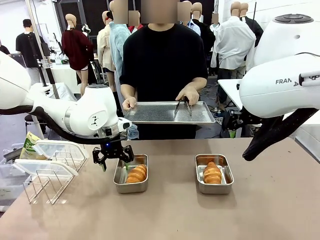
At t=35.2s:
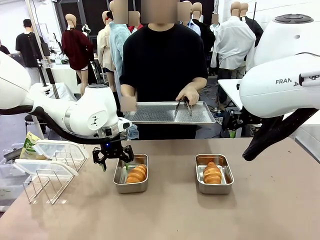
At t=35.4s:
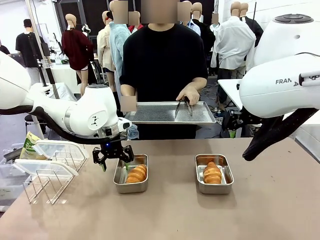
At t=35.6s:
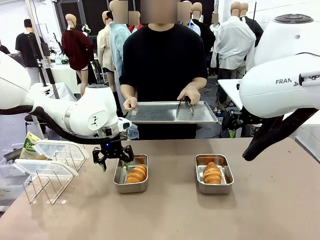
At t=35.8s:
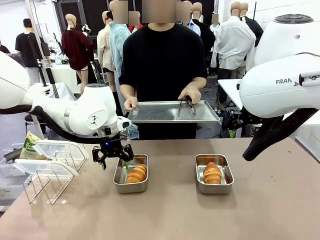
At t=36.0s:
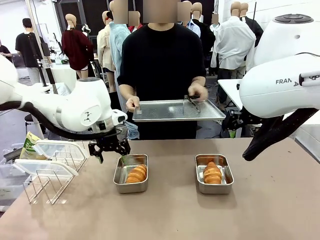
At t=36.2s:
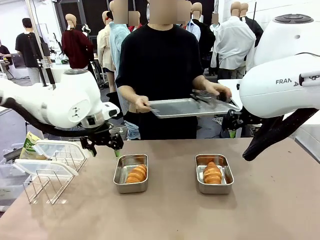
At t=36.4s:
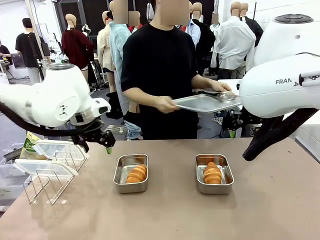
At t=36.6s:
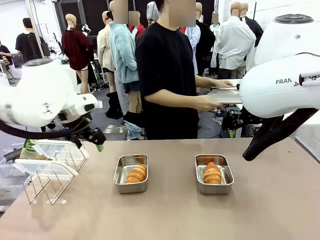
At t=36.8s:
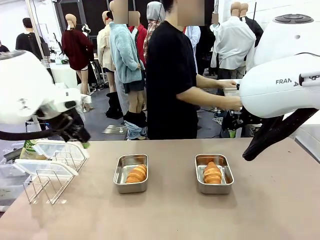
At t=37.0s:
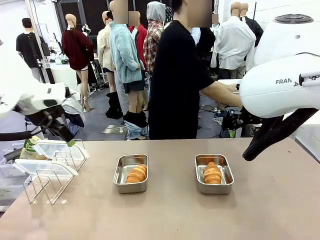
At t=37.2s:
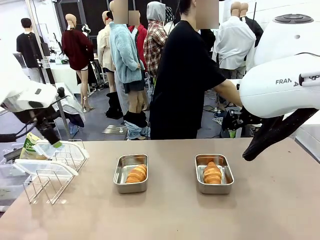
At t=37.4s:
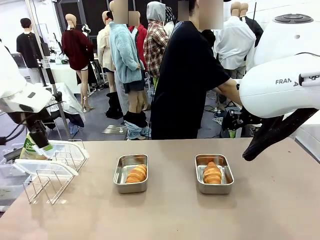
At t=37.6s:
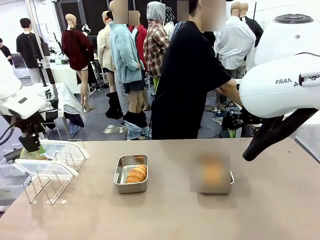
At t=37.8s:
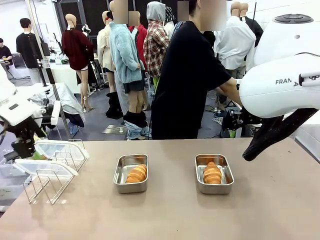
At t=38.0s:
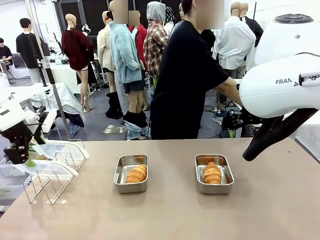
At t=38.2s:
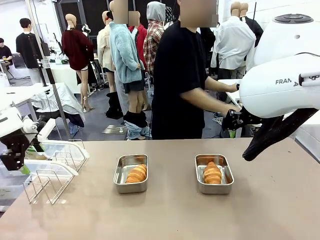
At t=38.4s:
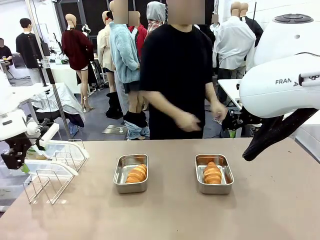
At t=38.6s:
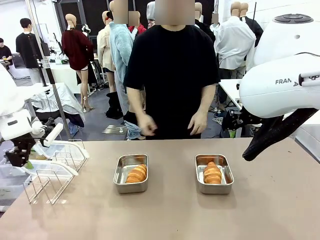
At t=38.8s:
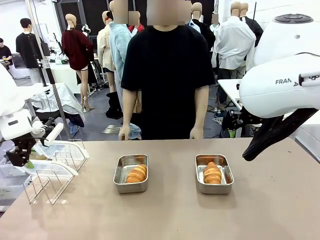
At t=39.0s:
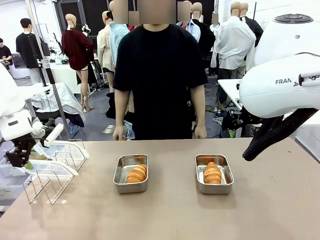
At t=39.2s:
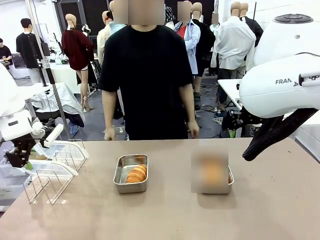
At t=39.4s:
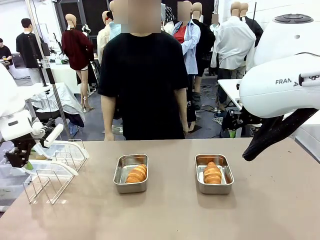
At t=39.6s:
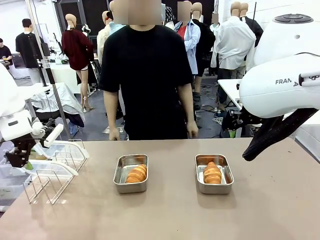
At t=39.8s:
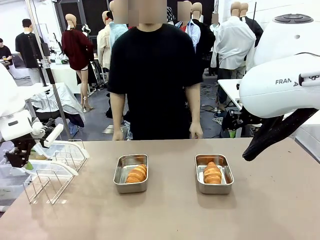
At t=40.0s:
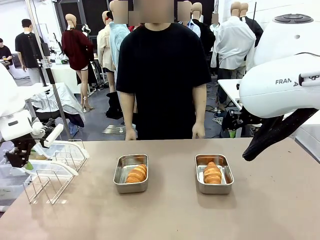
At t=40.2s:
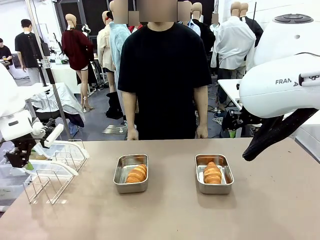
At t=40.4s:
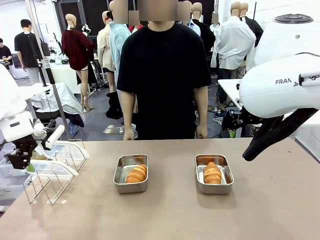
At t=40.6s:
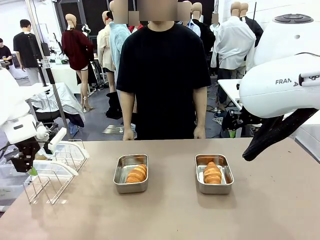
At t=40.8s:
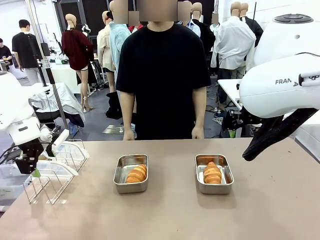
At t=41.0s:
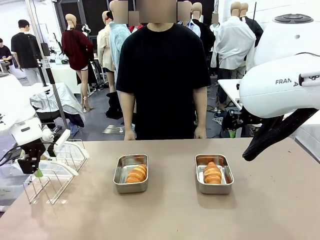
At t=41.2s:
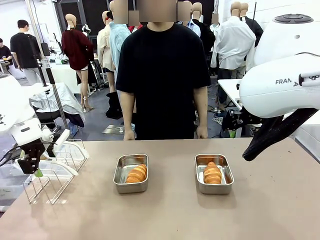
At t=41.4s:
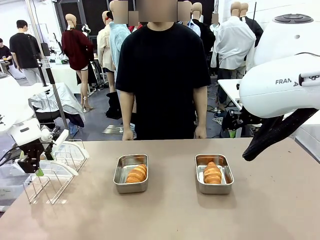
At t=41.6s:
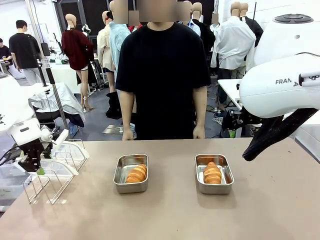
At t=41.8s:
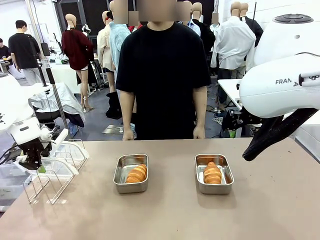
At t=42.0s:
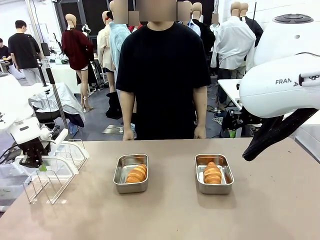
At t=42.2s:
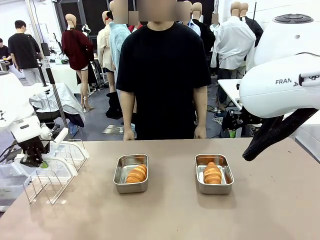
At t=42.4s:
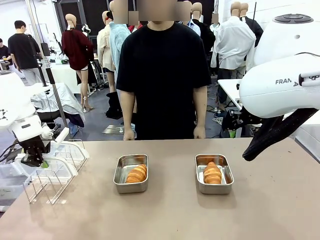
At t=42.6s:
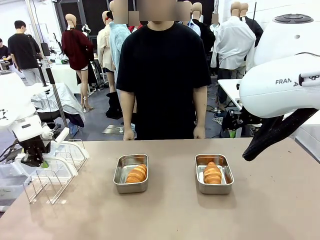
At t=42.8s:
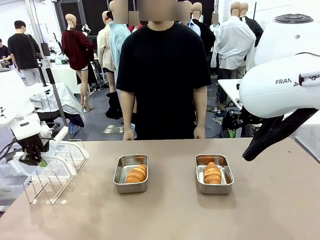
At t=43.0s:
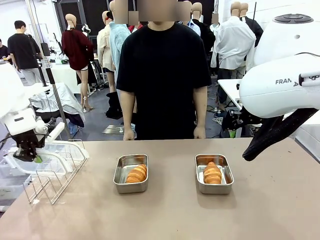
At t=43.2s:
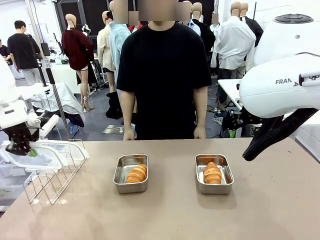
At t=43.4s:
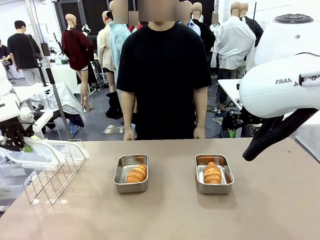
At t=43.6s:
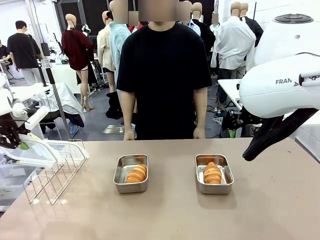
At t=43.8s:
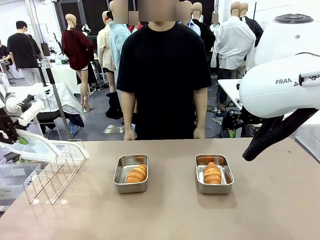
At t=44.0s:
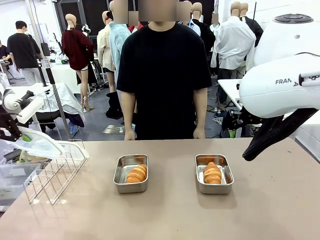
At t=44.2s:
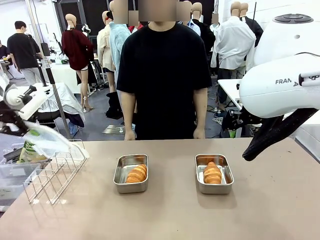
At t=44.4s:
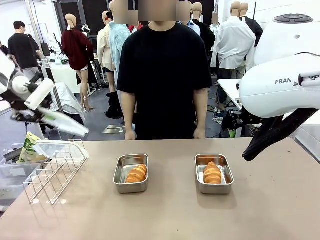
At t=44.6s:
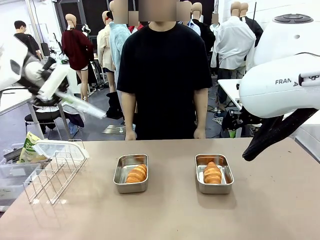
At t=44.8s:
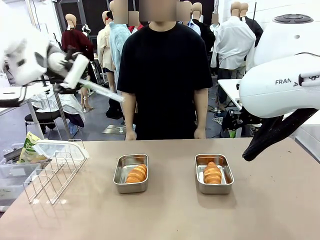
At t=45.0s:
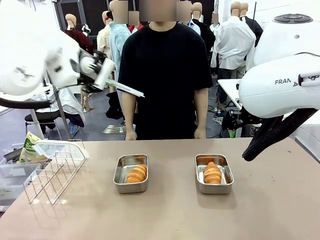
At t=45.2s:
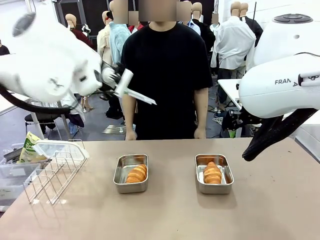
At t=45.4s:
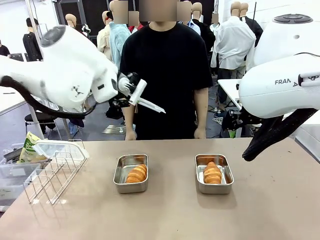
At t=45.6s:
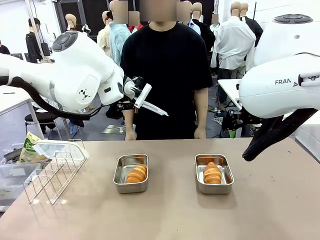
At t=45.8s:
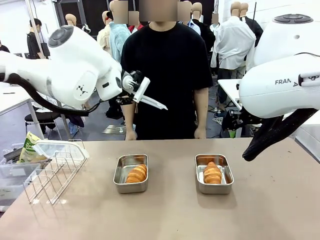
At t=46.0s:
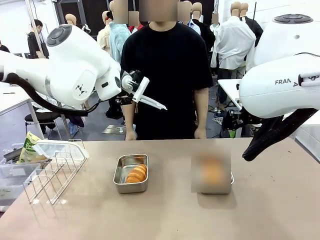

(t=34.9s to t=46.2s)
Task: Place the bread in airtight containers.
Robot: Pick up one Airtight Container lid and hand it to the human.
Person: Place Baking Sheet on the Human's Table. Grip Airtight Container lid that robot is handing.

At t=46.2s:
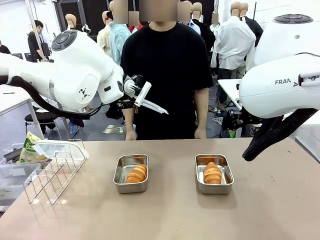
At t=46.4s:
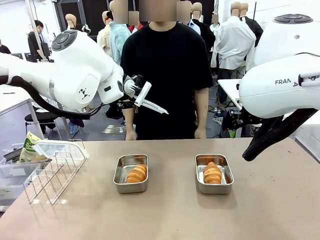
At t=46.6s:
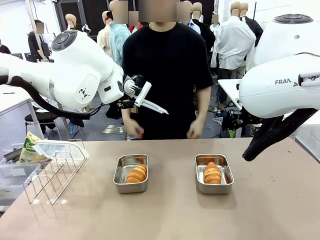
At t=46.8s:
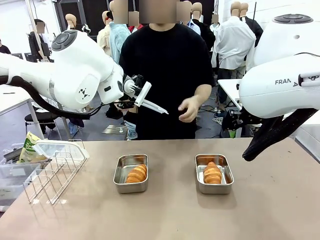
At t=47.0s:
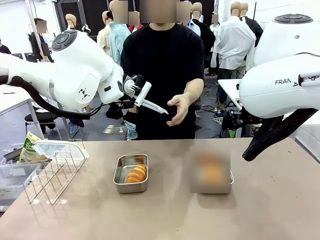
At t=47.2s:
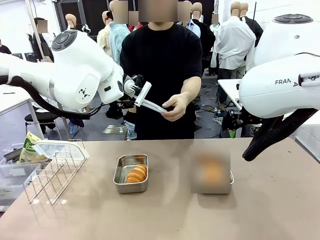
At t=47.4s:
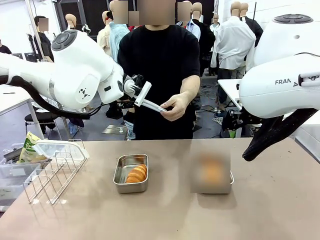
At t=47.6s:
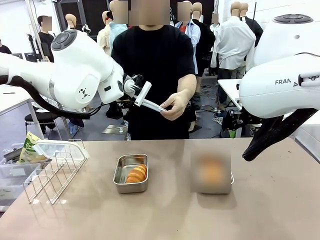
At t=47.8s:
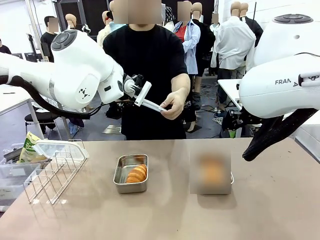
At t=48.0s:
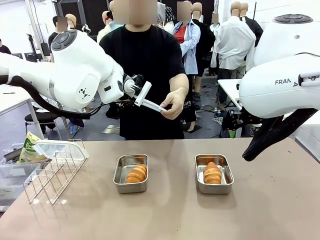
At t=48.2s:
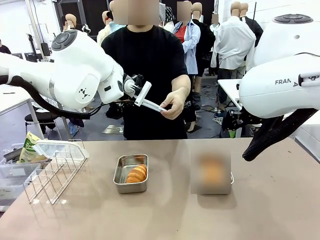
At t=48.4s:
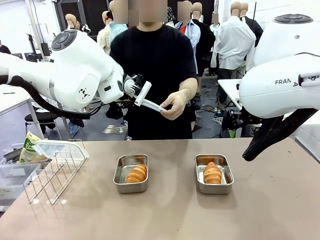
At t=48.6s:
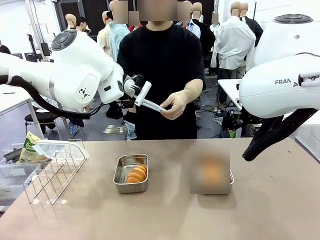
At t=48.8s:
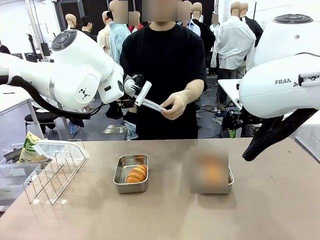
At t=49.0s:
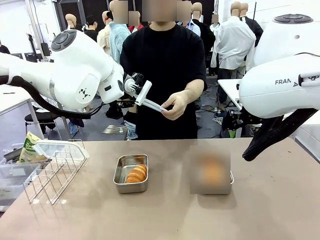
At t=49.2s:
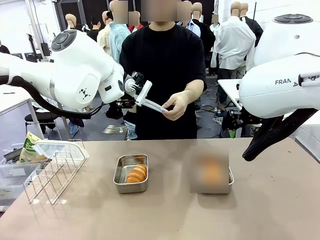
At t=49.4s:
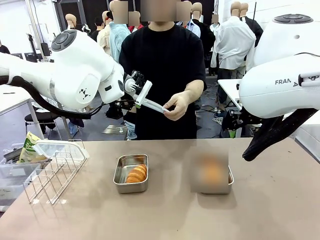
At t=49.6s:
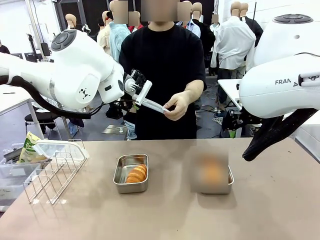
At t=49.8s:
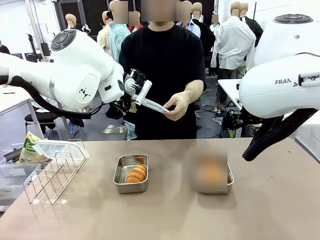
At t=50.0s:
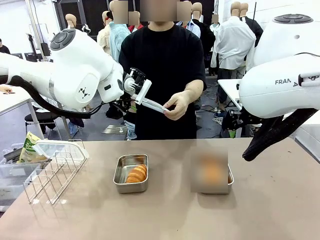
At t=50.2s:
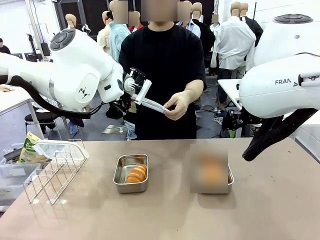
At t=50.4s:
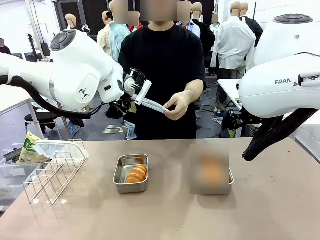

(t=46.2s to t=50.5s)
Robot: Release when the human grabs the Airtight Container lid.
